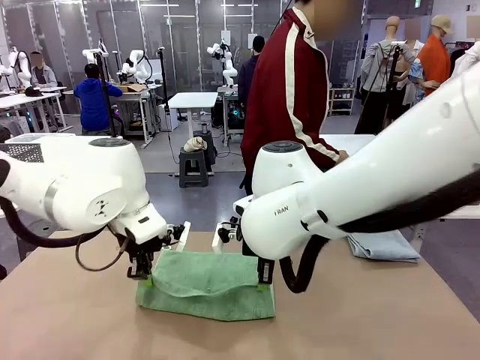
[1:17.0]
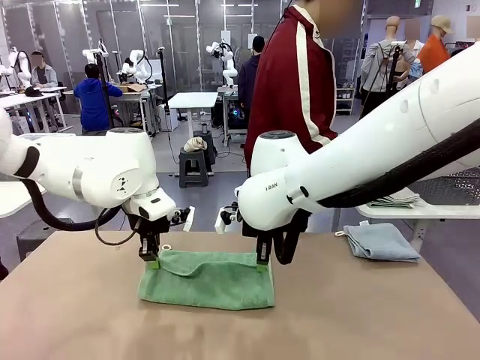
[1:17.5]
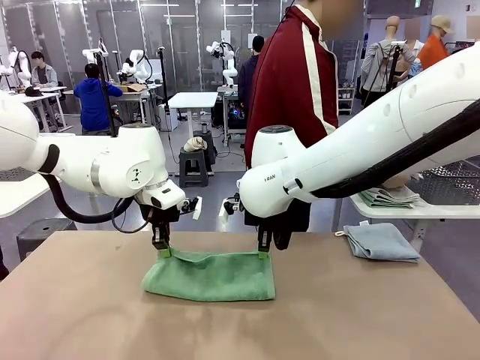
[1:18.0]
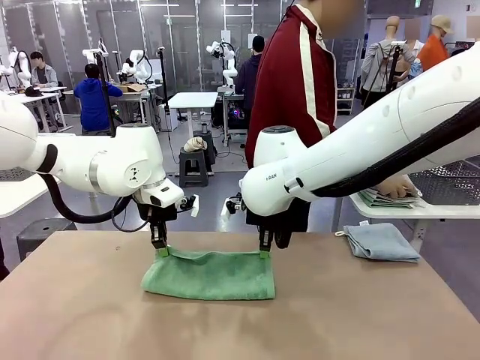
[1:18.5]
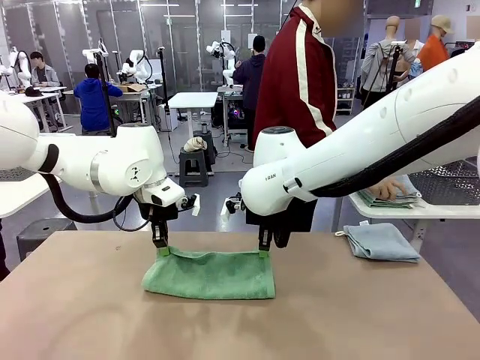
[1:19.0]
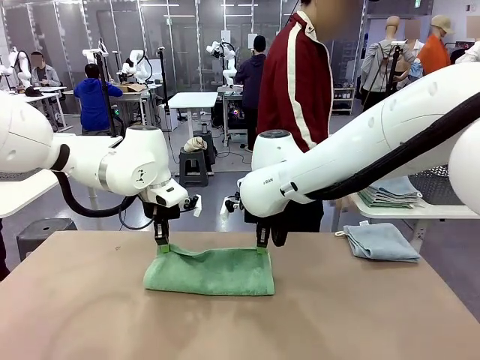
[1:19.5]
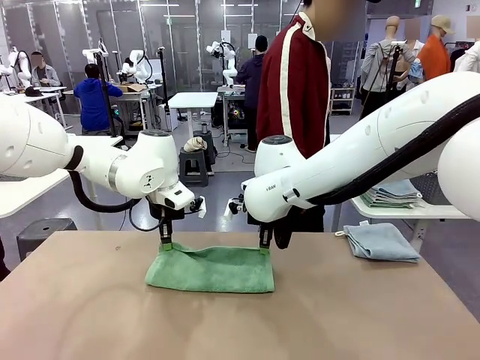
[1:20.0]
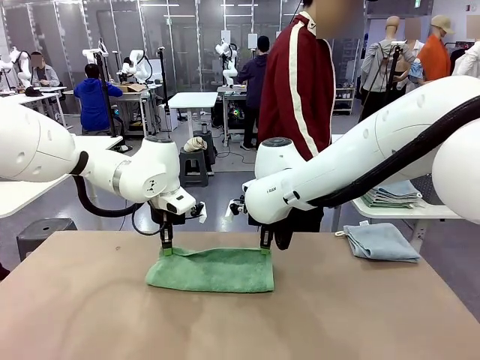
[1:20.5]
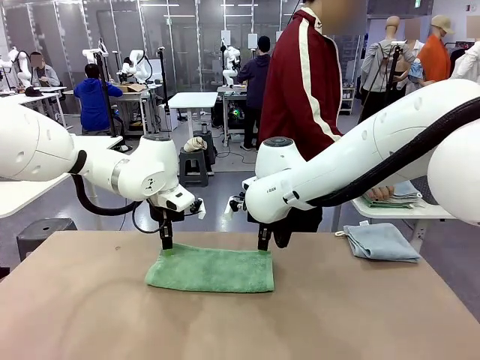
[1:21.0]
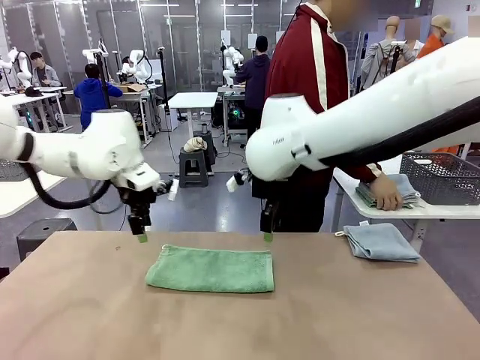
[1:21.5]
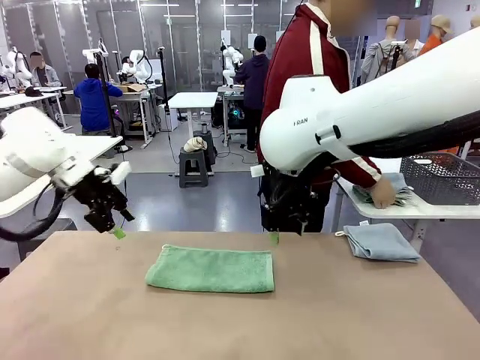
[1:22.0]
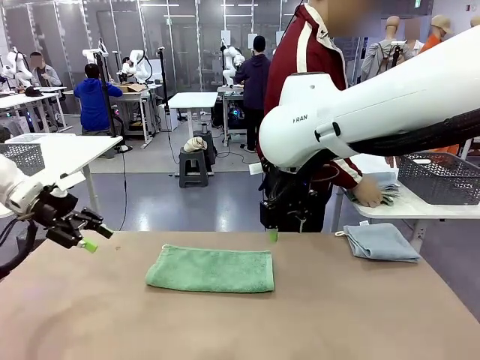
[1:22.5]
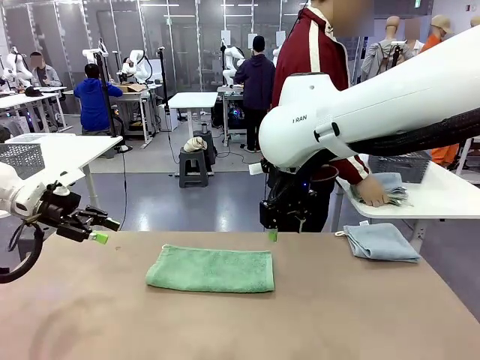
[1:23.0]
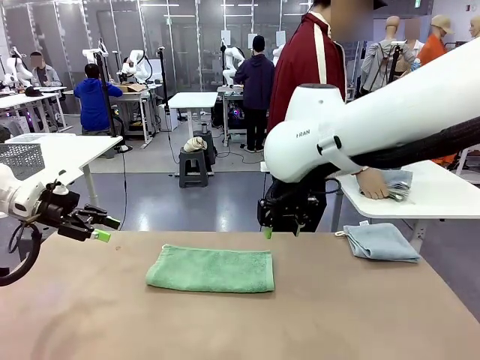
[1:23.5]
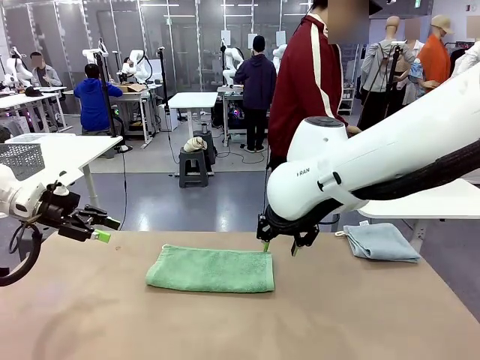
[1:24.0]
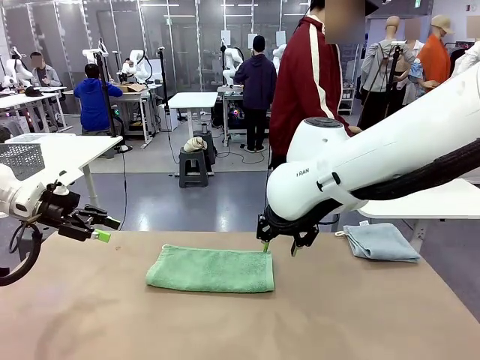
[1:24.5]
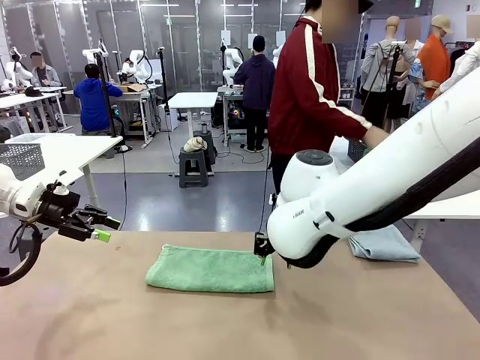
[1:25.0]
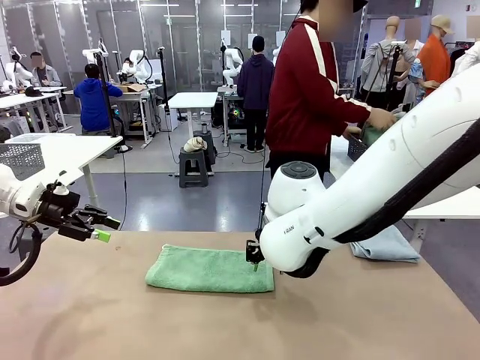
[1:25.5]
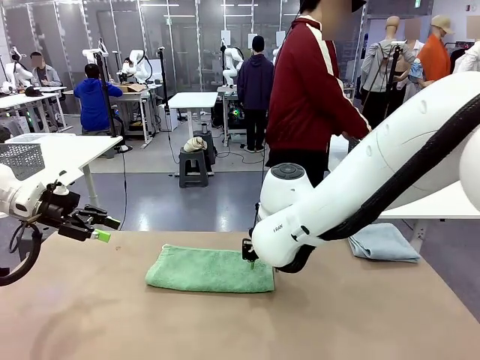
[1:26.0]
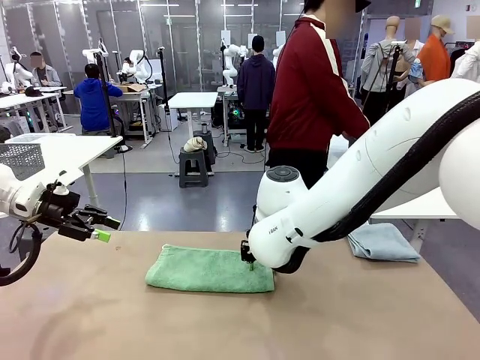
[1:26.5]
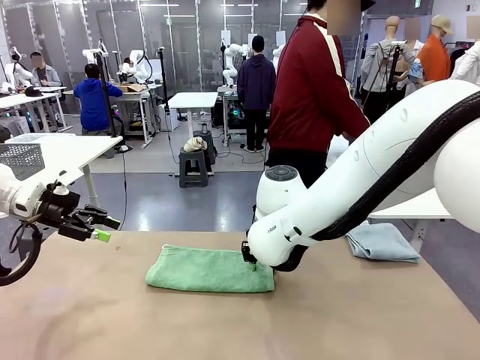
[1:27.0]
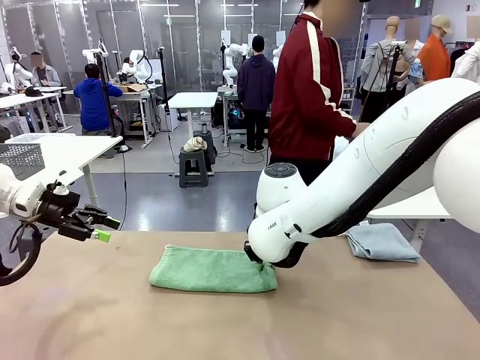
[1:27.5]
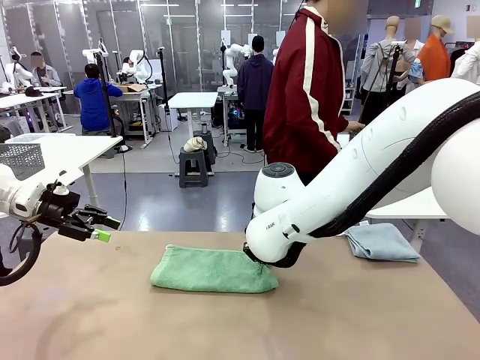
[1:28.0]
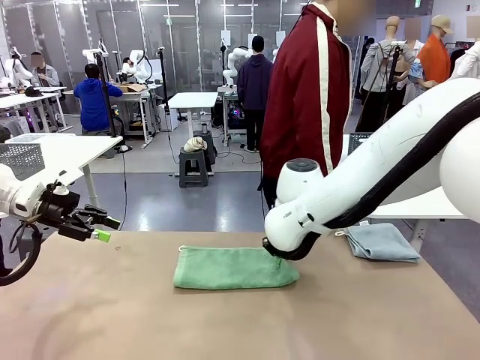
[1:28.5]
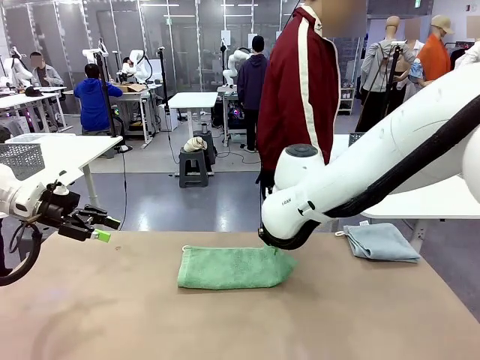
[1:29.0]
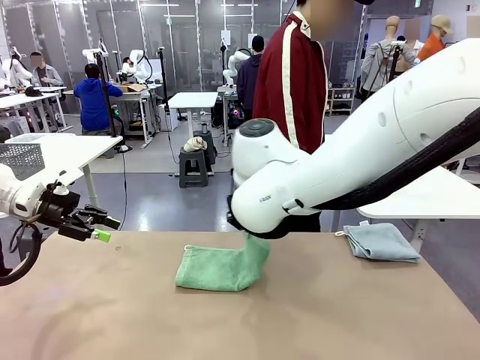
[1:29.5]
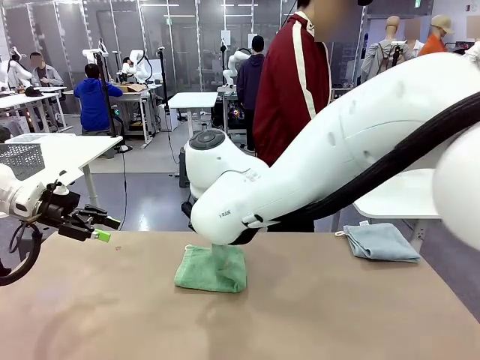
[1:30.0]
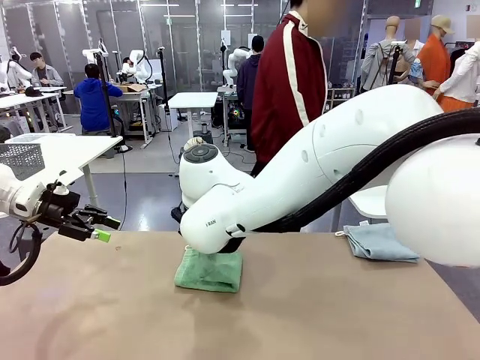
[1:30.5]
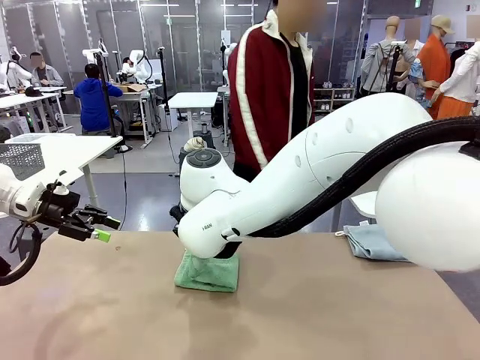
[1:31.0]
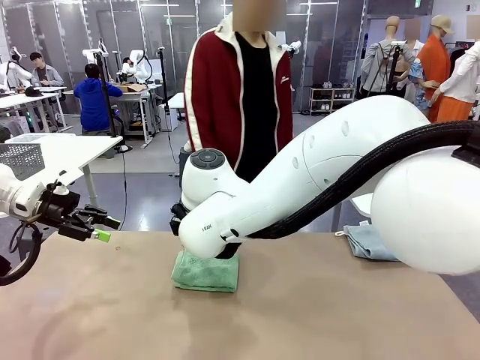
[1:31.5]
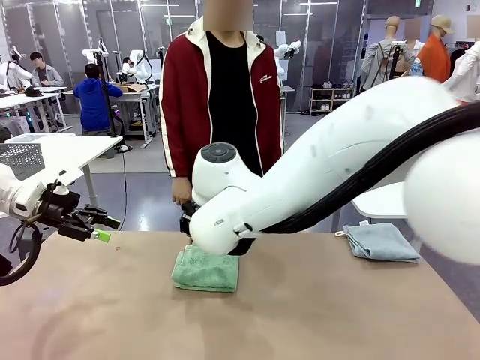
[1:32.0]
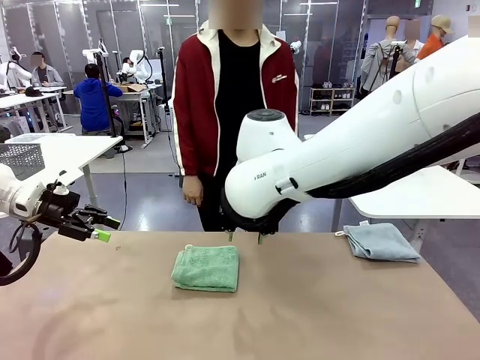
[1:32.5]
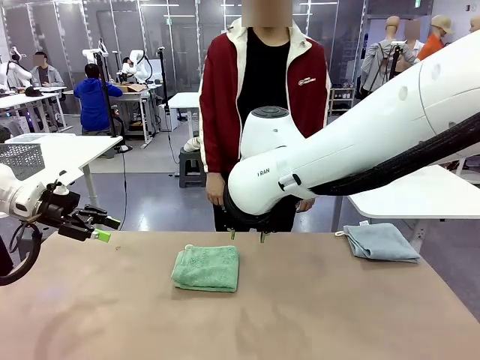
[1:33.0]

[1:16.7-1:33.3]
Task: Fold the towels and place them in the basket.
Robot: When a person lays out a Towel with hook on the table, fold it in half twice.
Person: Pick up the stack of towels from the right side of the human table, place it into the basket, and put the basket at the center of the table.
